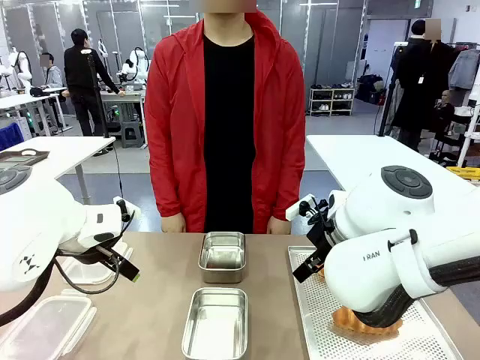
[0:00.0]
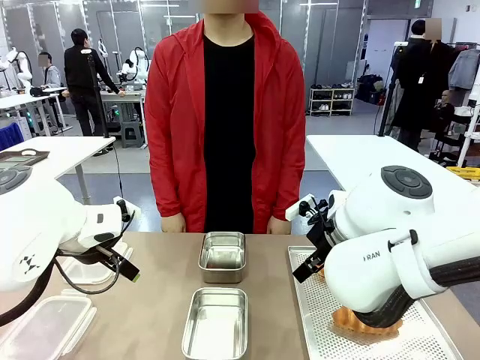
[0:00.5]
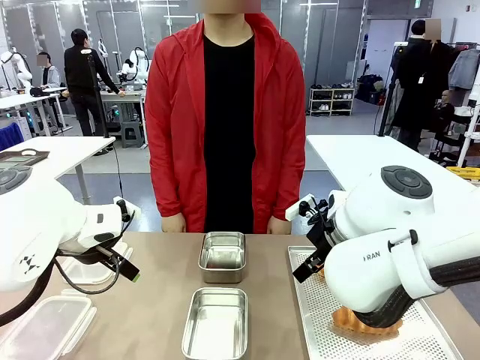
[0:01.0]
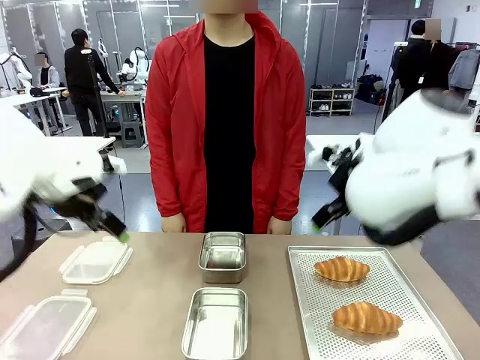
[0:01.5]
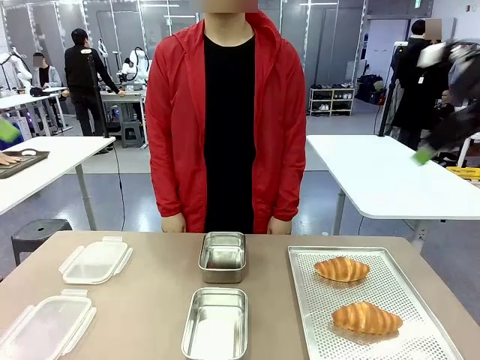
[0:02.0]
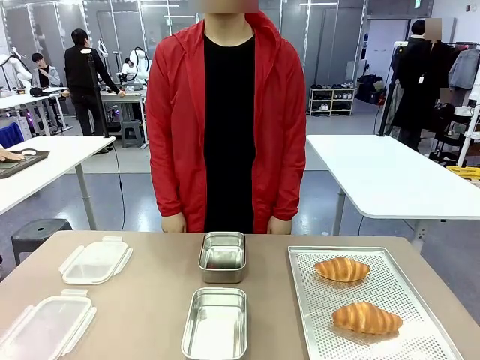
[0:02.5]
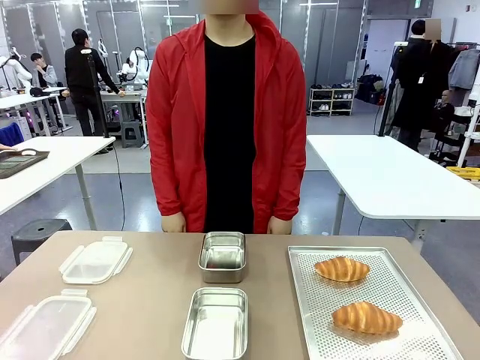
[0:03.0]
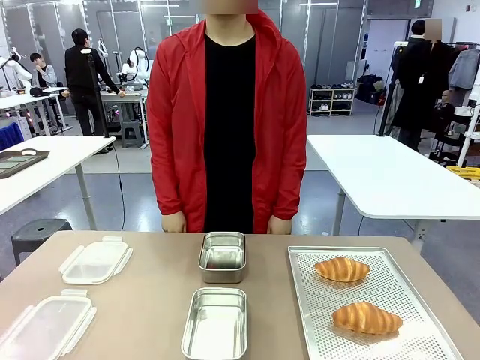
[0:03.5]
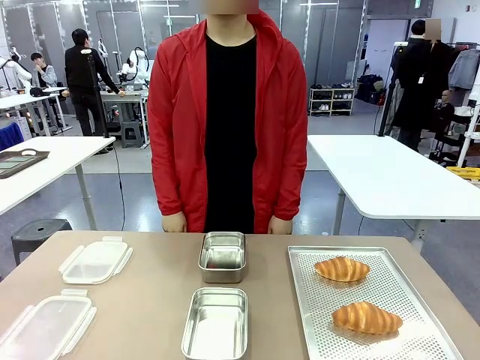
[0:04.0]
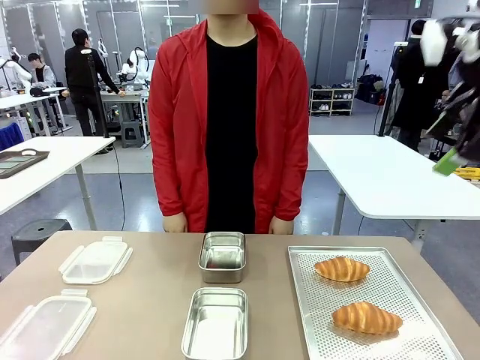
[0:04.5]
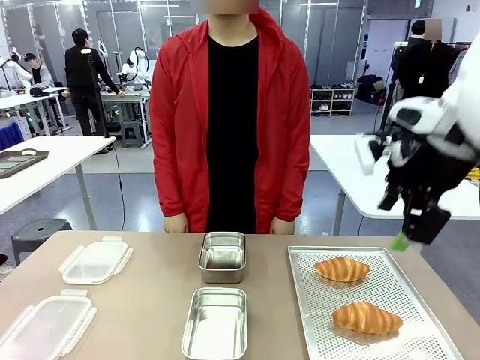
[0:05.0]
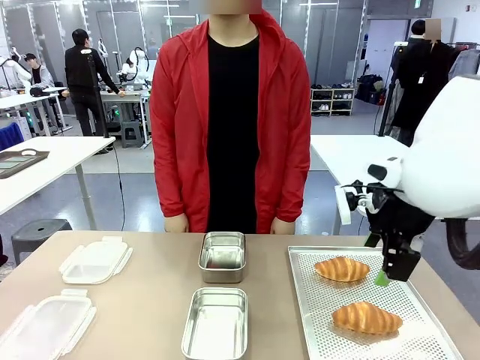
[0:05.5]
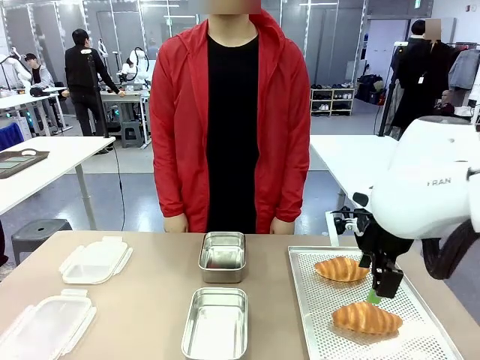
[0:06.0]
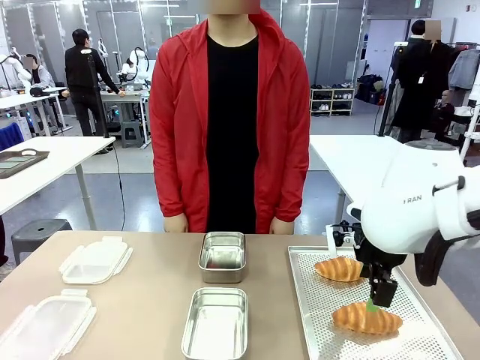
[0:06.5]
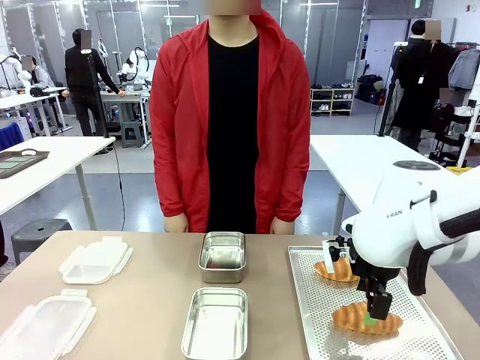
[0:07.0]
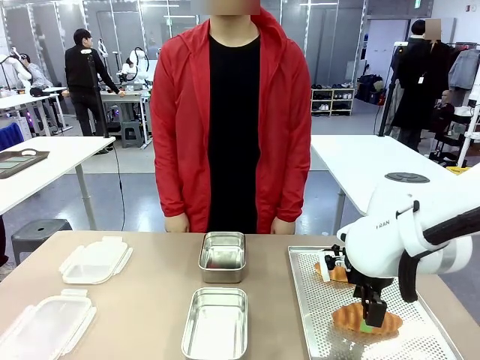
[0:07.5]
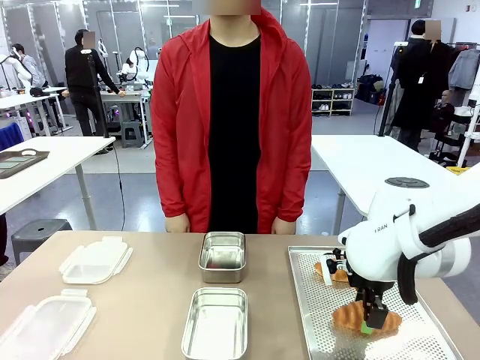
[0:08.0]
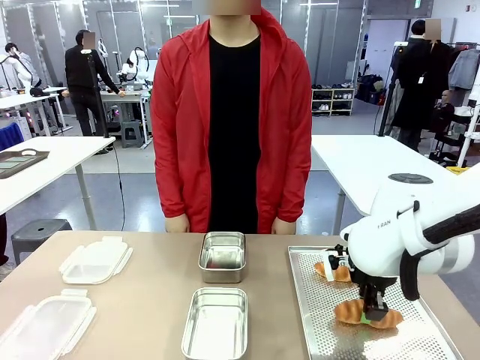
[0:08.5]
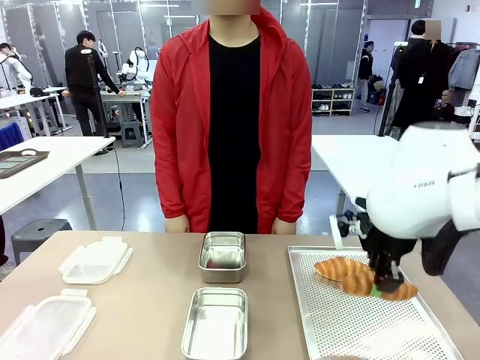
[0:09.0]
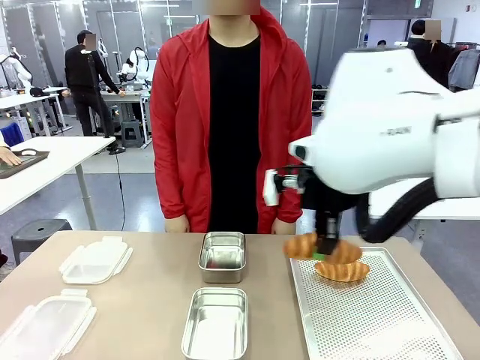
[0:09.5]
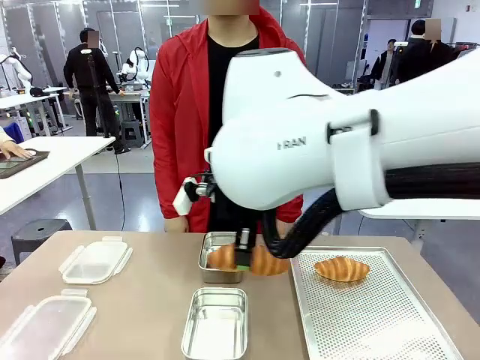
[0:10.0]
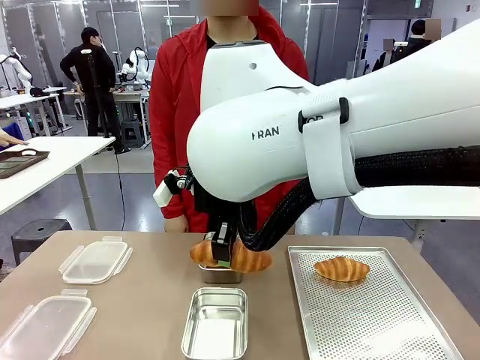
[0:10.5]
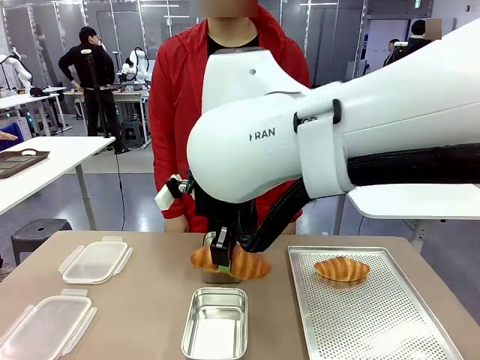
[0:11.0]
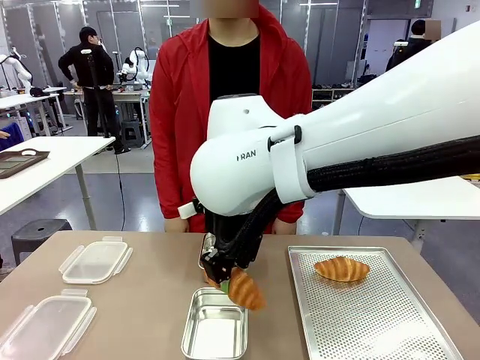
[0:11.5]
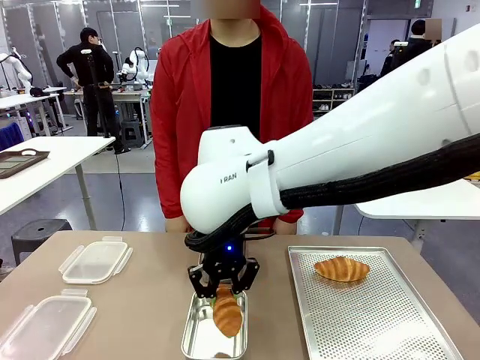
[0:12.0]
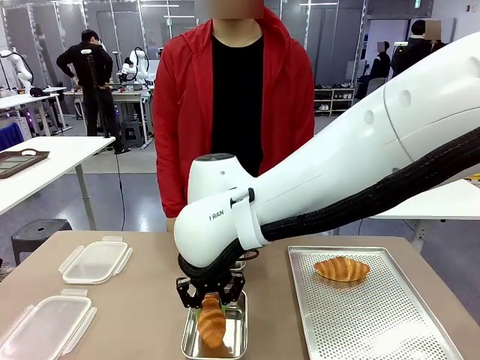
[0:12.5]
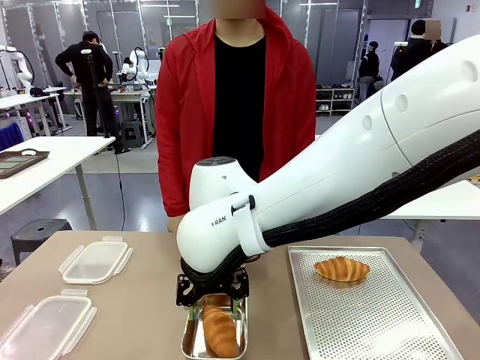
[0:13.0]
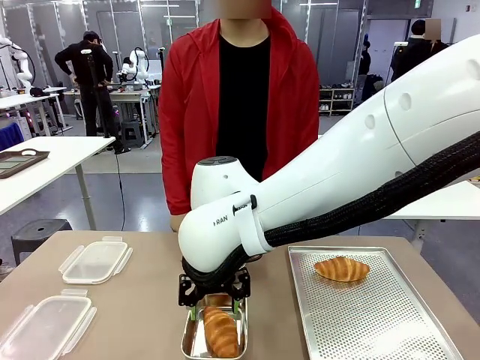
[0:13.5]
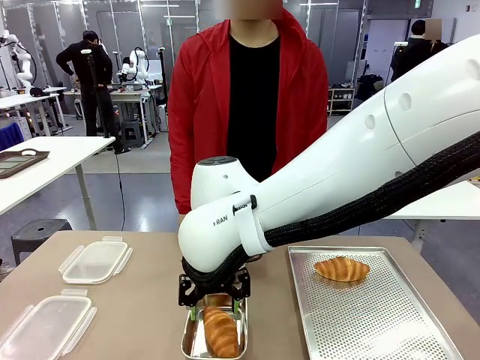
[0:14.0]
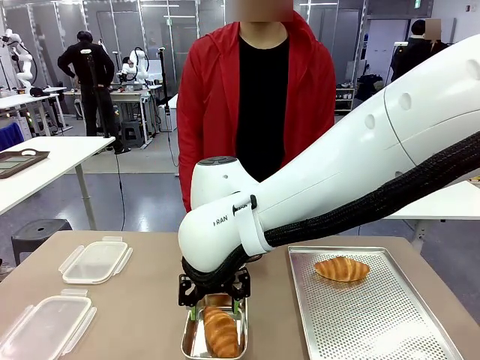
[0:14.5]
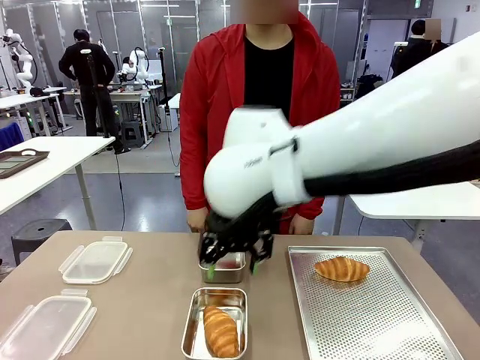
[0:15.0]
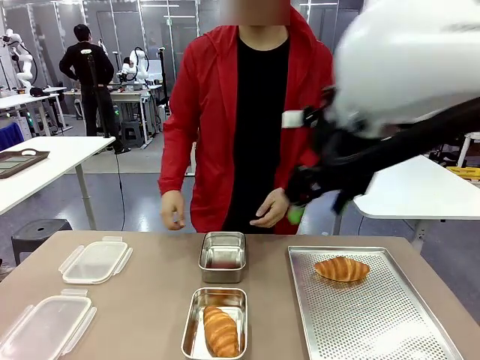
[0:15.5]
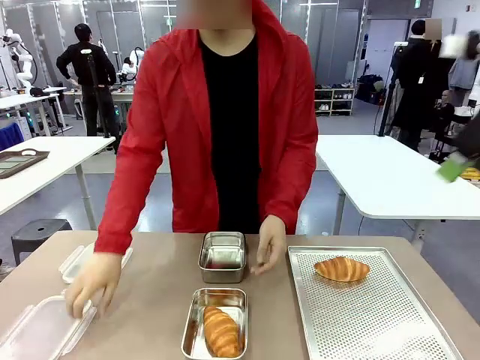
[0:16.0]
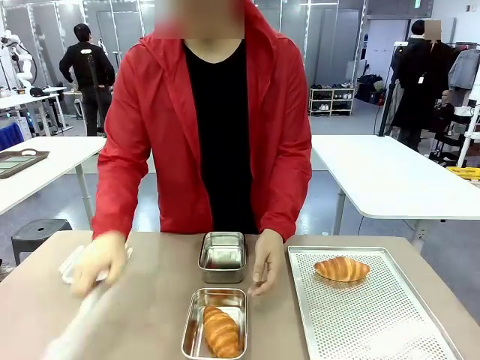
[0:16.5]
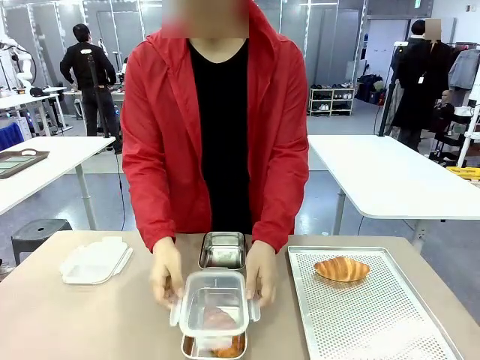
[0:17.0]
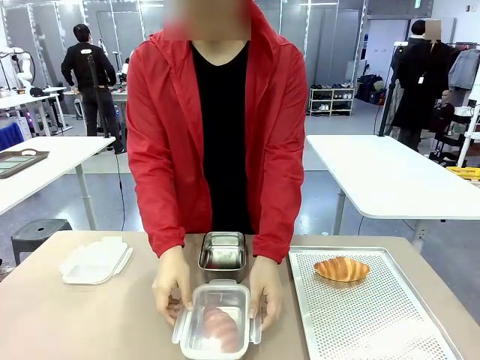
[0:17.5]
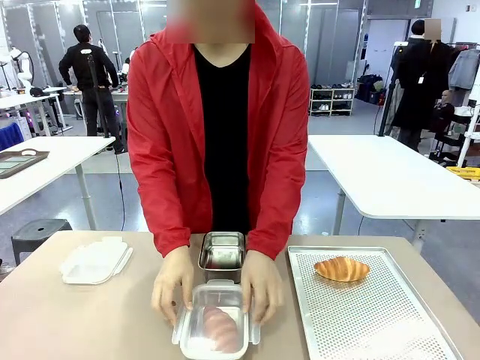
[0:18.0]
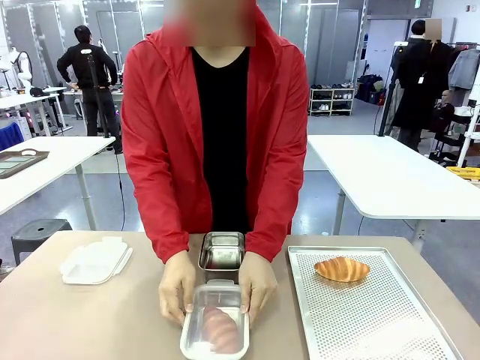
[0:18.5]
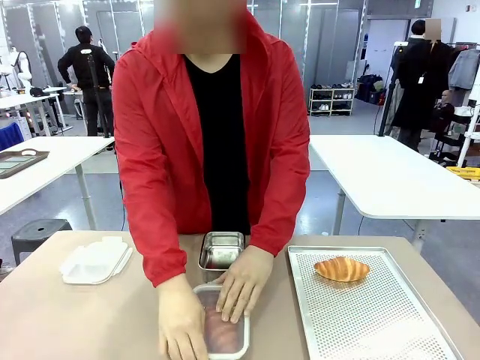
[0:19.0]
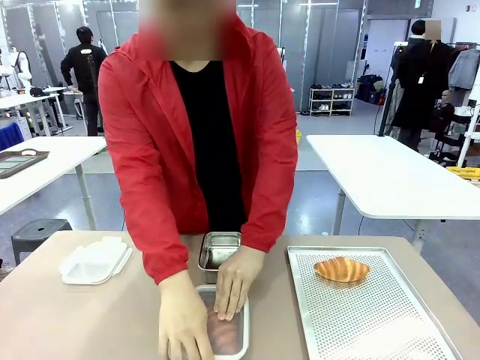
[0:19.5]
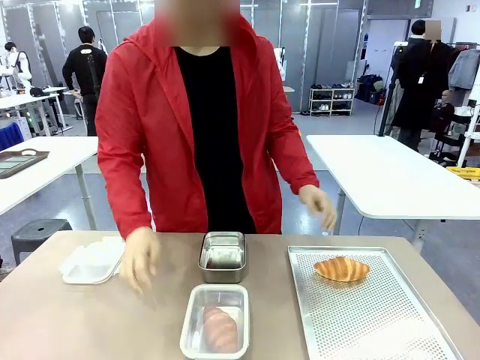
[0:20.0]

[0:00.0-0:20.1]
Task: Place the bread into the airtight container.
Robot: Pick up a Butter Roll and place it into an empty Airtight Container.
